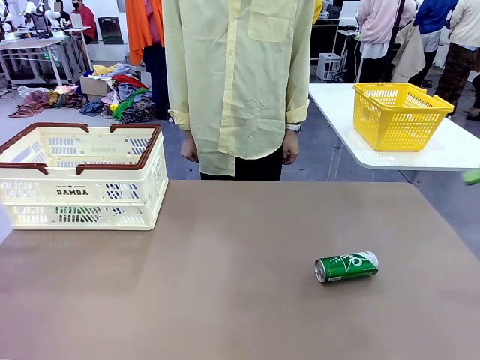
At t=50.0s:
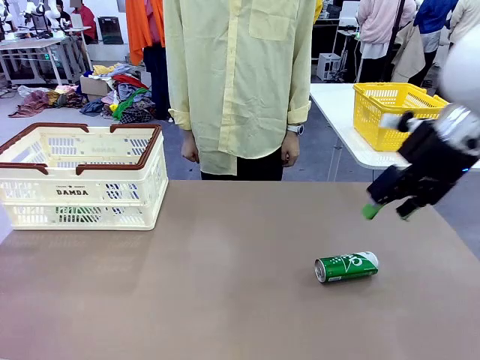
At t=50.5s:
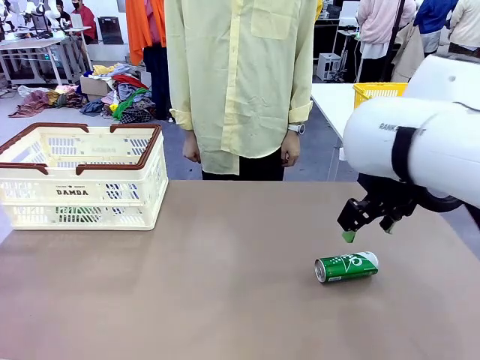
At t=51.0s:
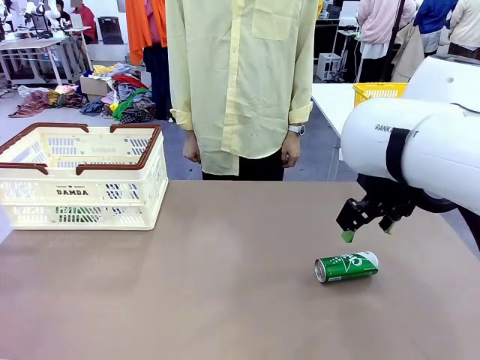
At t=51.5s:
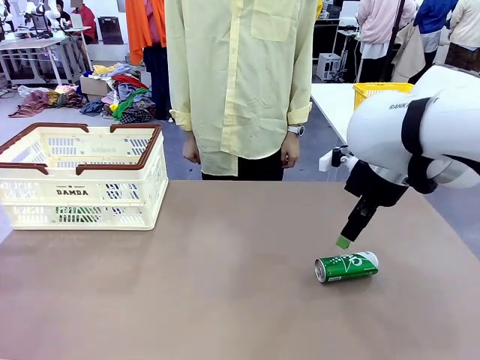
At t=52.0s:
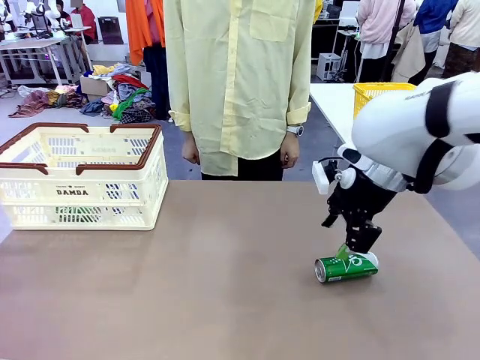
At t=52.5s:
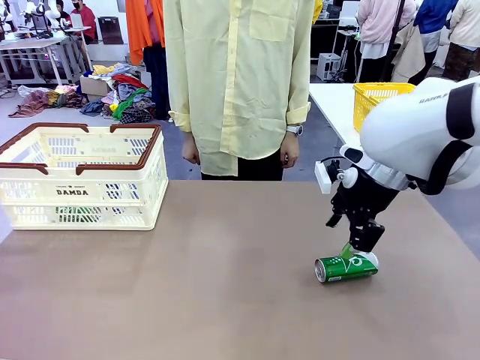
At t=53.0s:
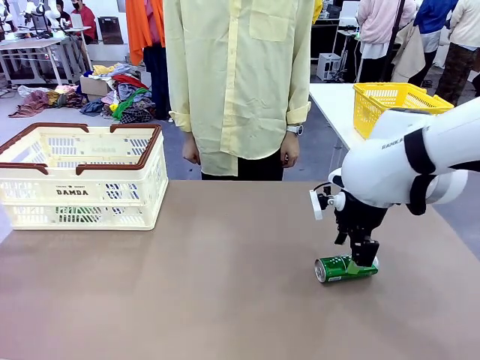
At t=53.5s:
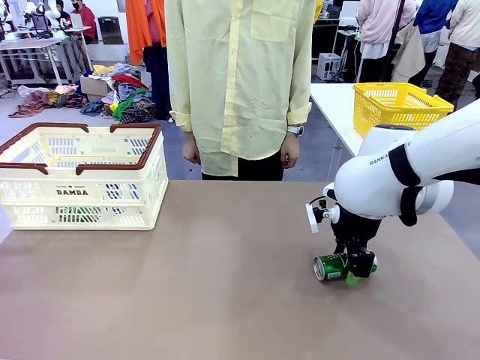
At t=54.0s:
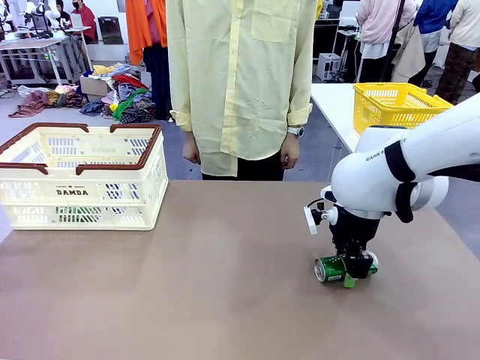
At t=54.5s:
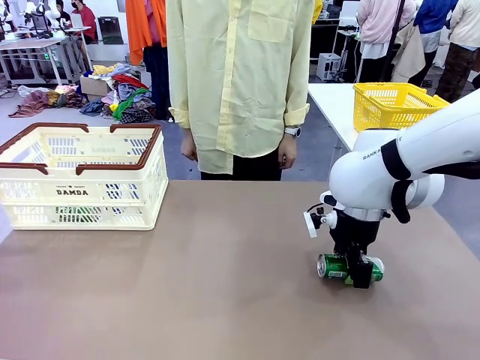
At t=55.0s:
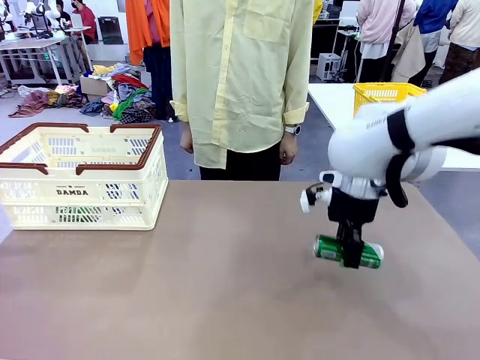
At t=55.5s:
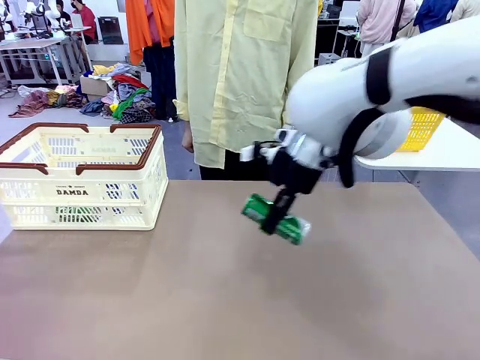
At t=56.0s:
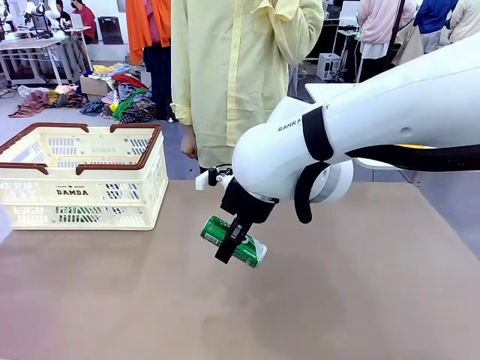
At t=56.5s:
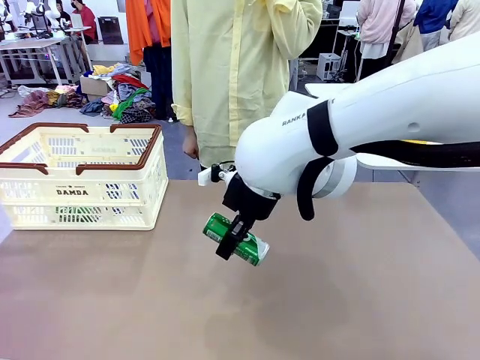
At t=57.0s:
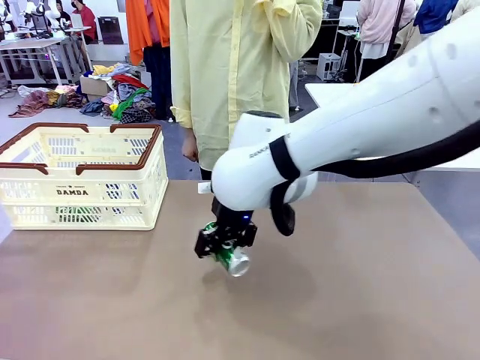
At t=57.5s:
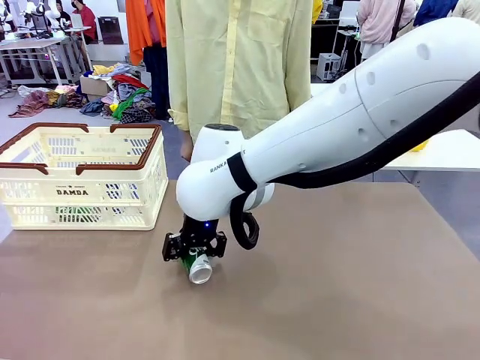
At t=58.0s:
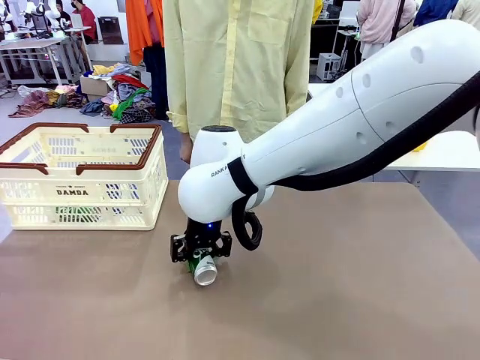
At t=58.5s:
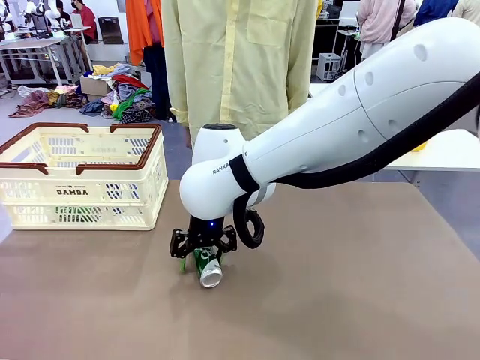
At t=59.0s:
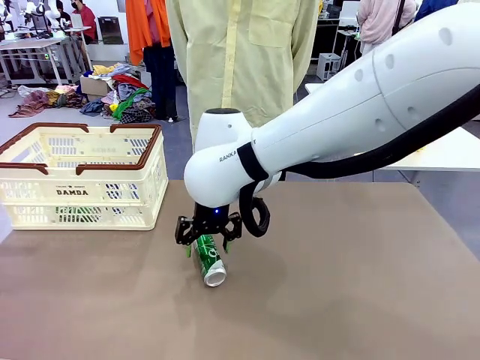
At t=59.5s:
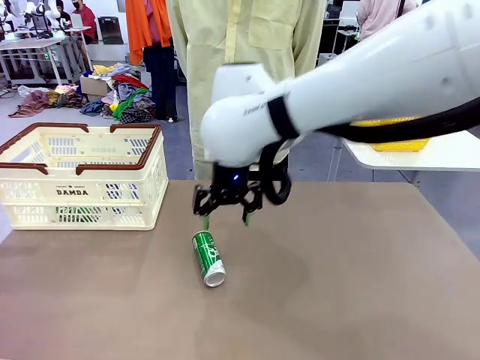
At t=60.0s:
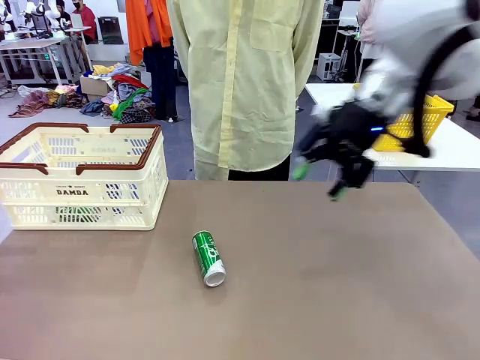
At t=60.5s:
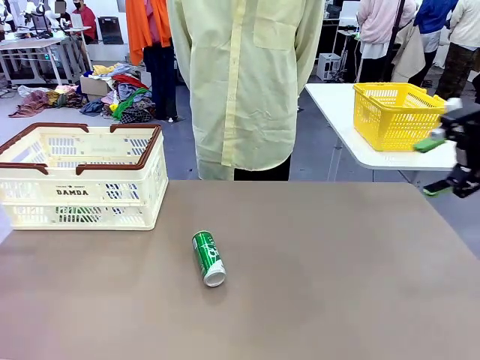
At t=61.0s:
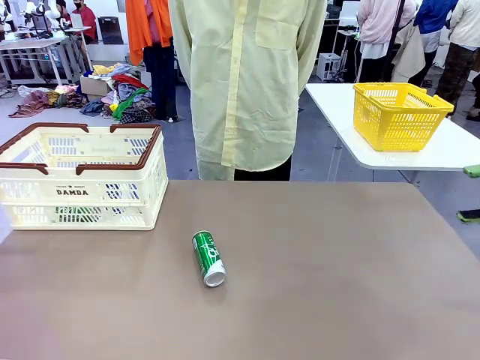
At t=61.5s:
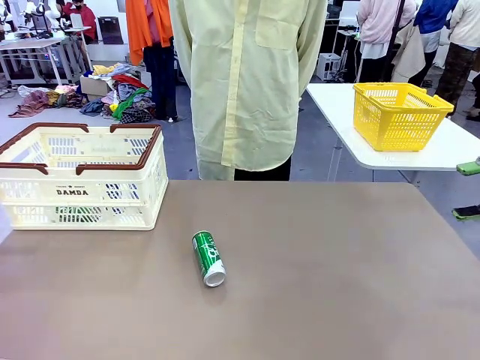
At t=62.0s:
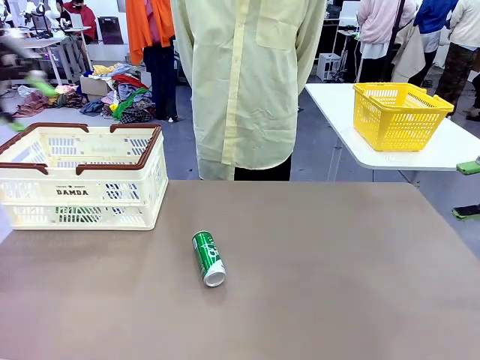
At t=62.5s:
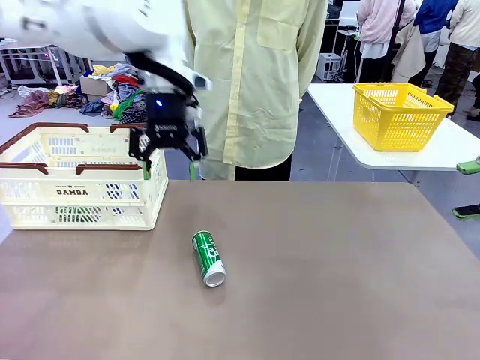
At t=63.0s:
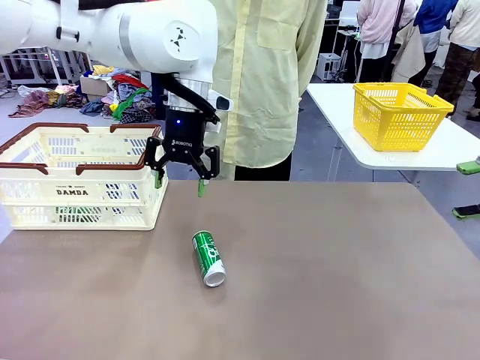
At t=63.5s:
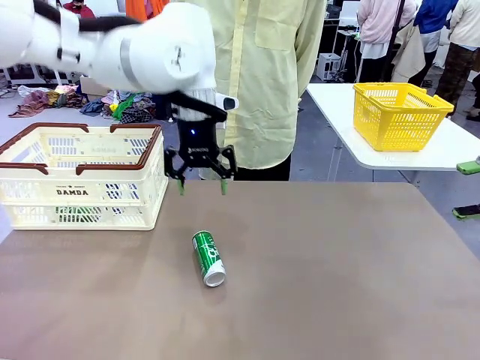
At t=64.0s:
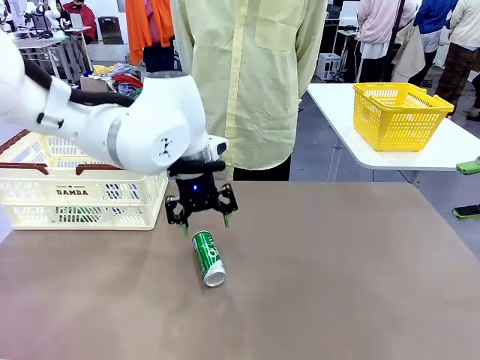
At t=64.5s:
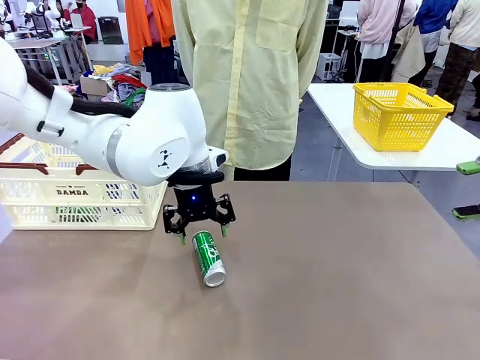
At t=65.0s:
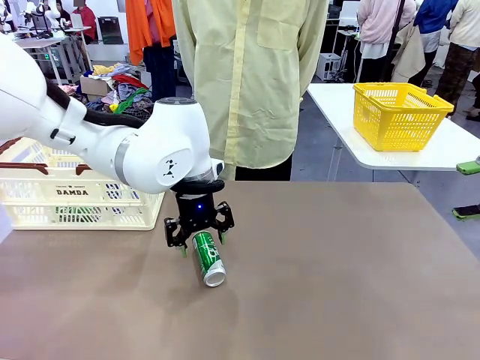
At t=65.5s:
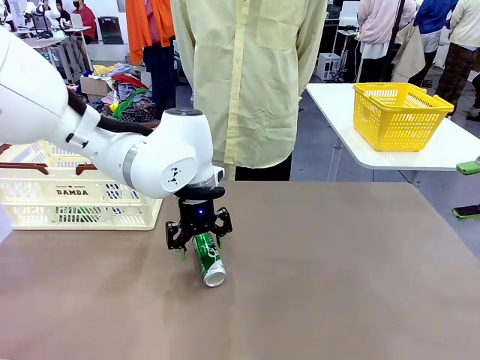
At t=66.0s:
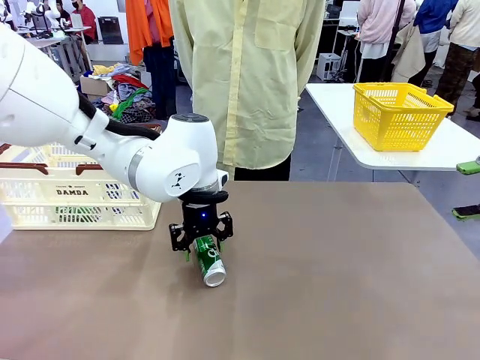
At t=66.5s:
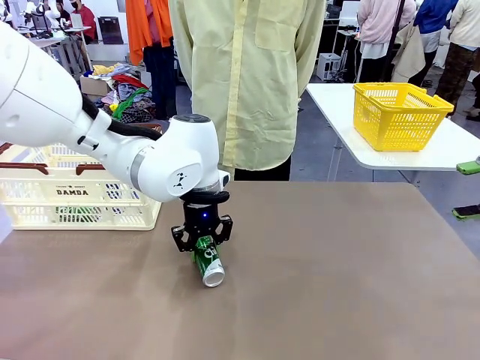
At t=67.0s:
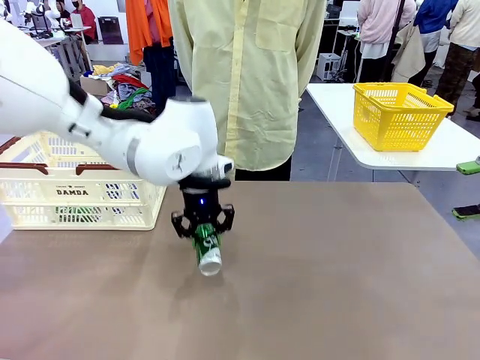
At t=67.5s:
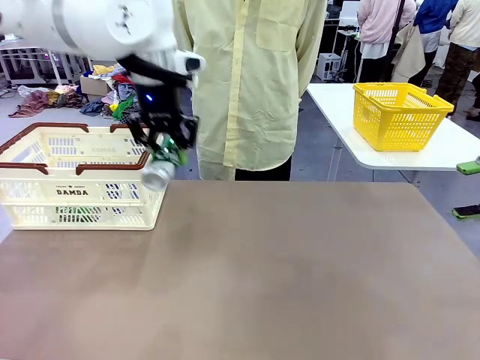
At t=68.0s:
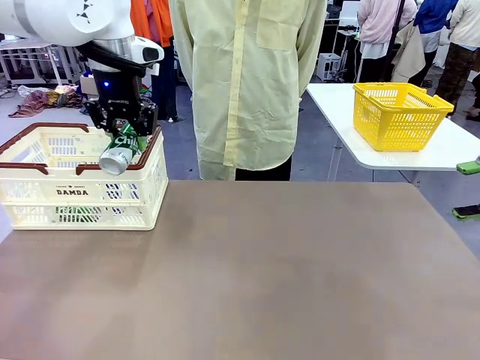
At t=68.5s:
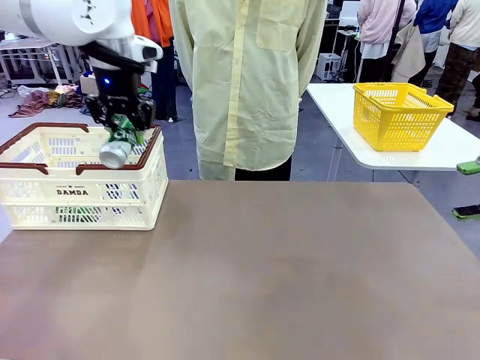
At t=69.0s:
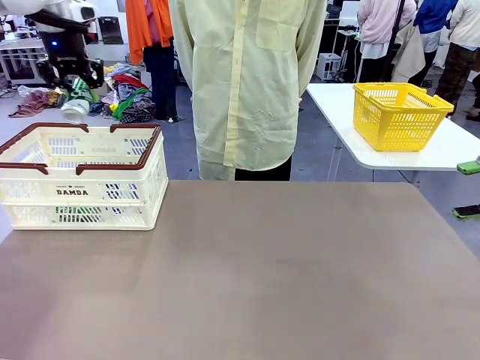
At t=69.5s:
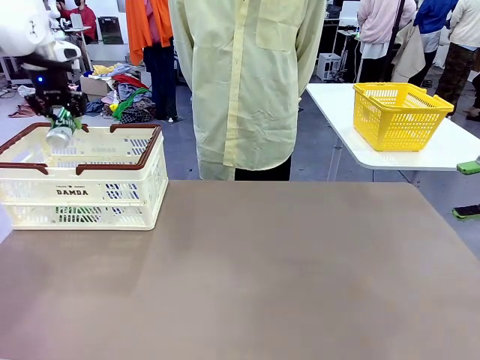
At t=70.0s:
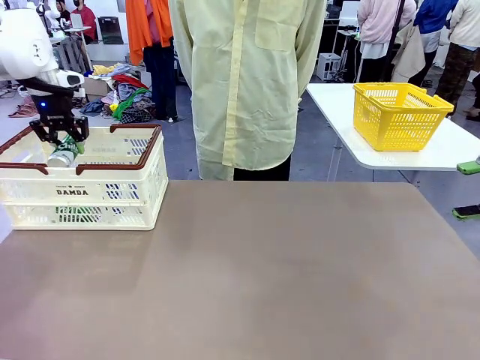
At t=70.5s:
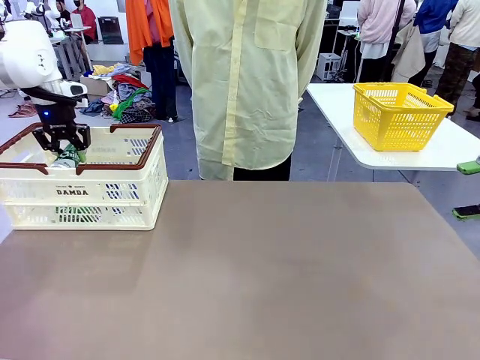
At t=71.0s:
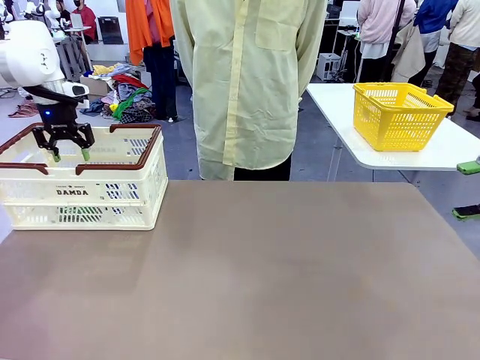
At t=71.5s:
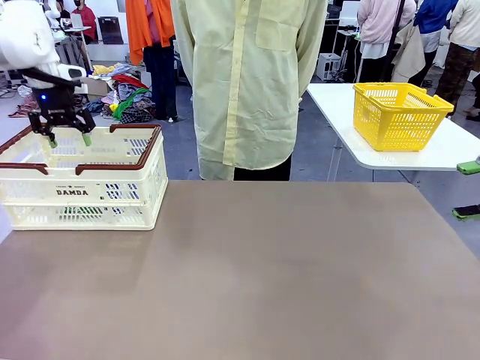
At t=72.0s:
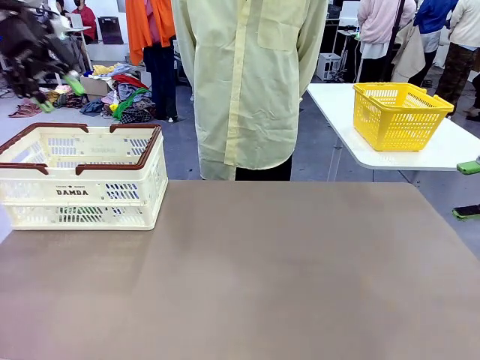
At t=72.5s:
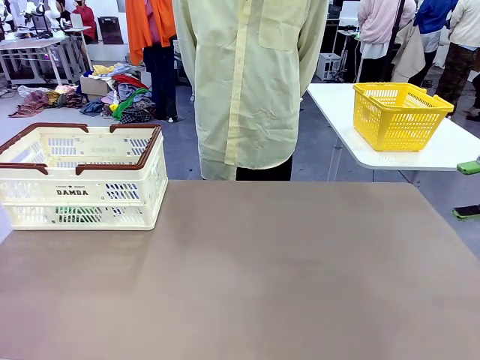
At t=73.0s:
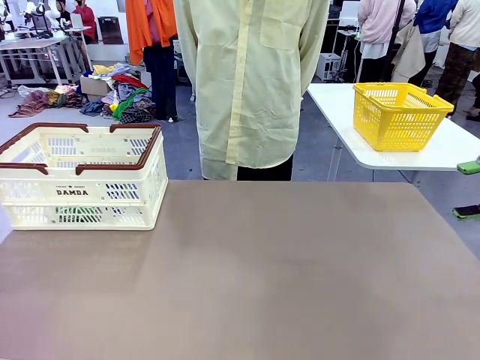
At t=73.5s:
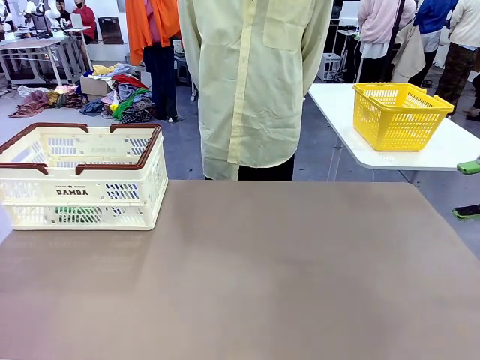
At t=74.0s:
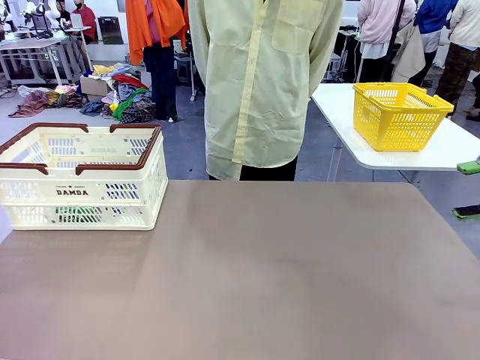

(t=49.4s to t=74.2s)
Task: Place the drinks into the Shopping basket.
Robot: Pick up one drink and place it into the Shopping basket.
